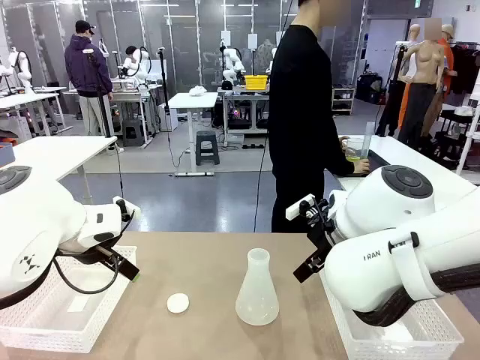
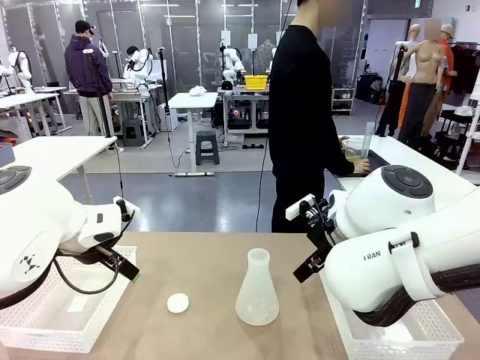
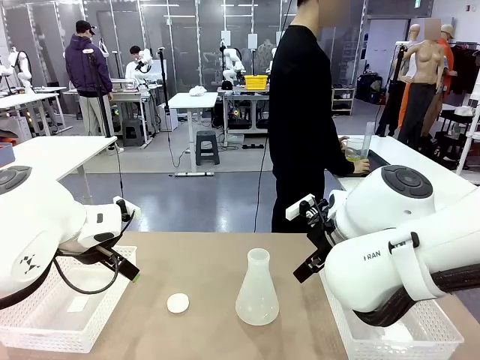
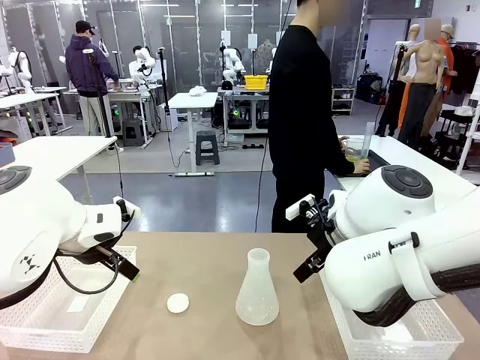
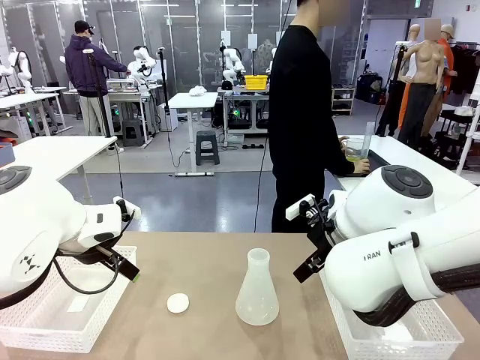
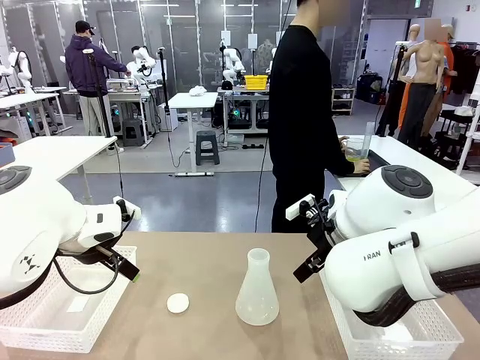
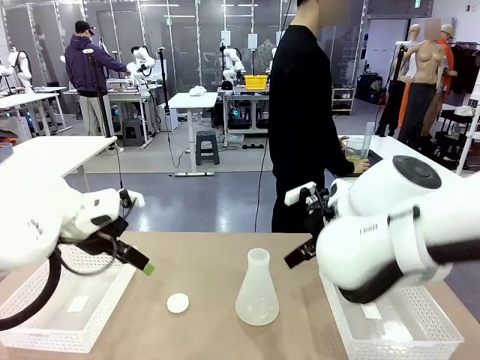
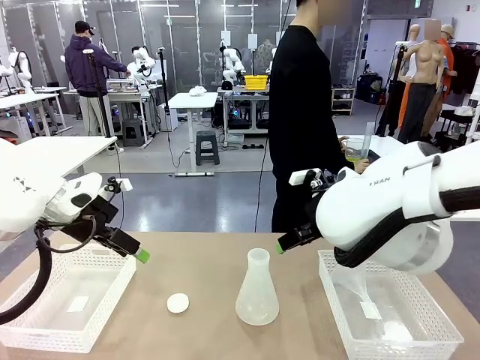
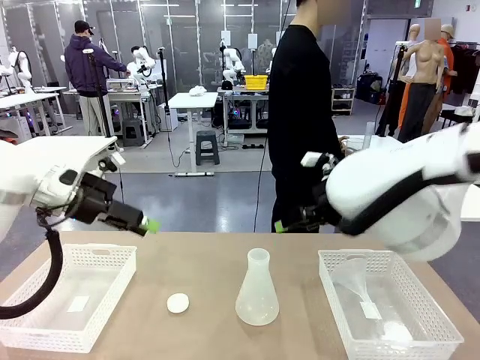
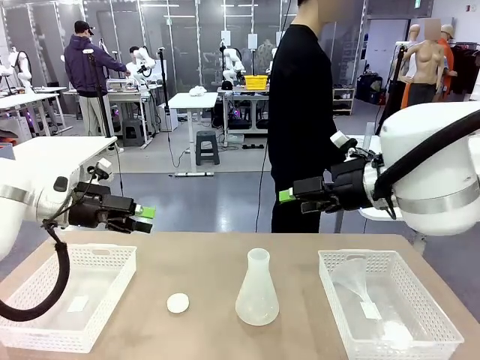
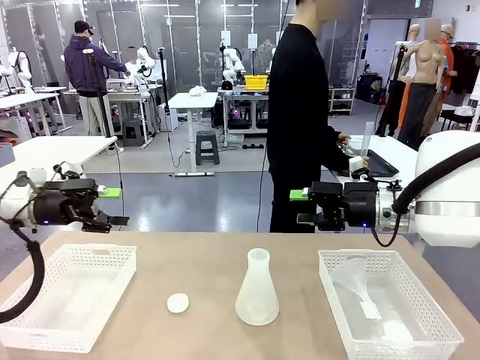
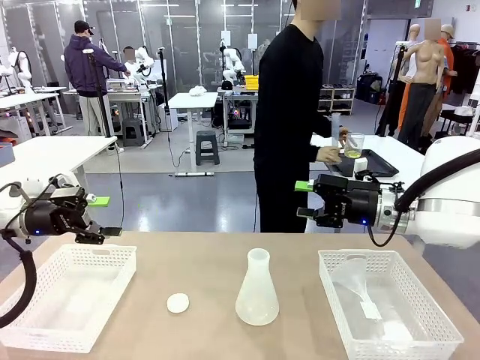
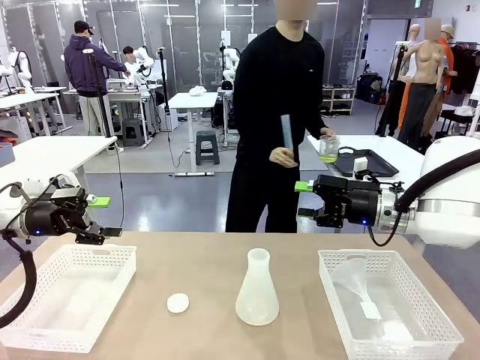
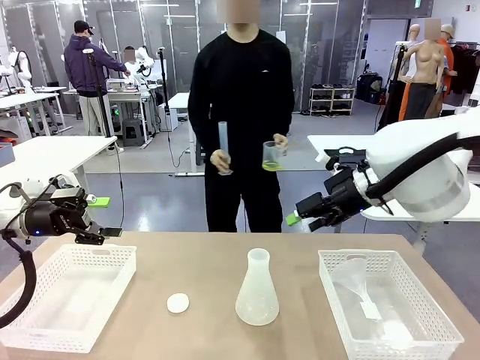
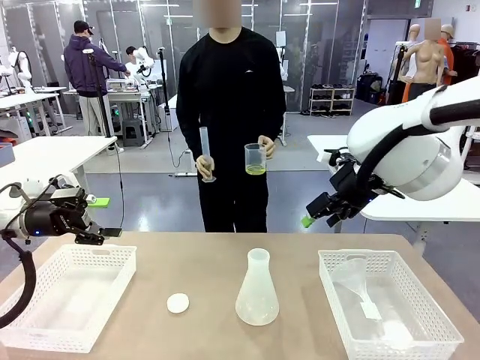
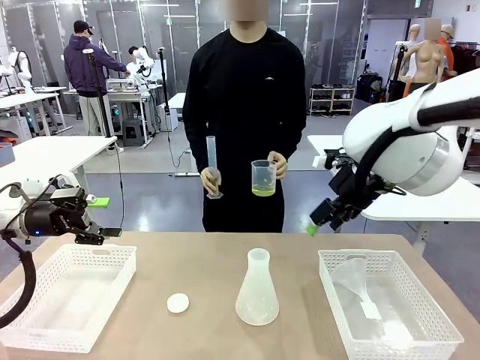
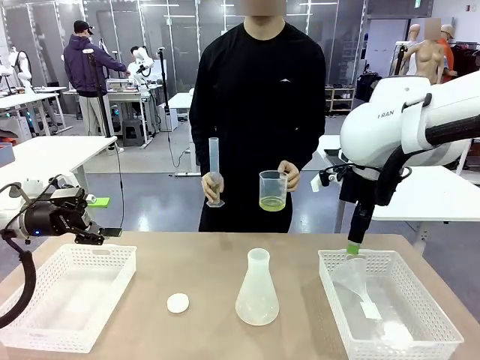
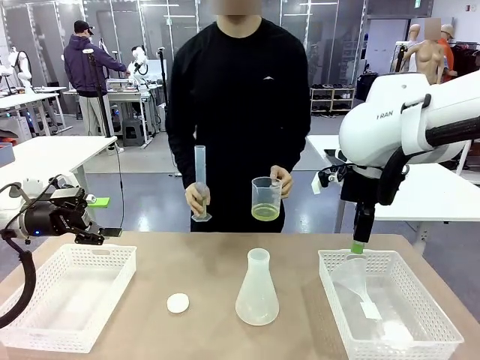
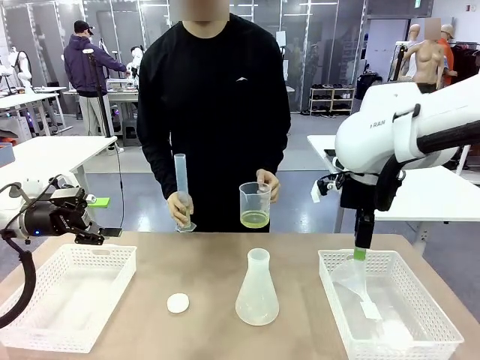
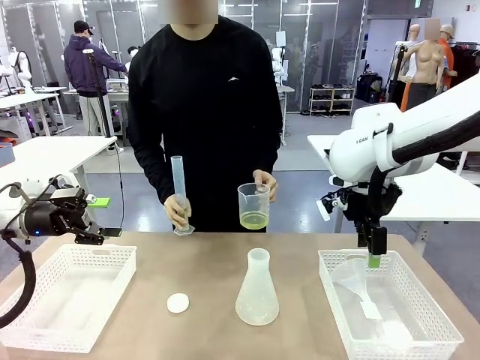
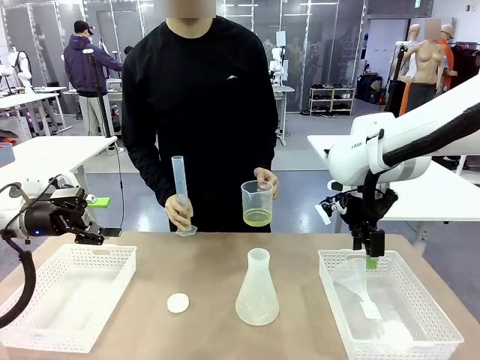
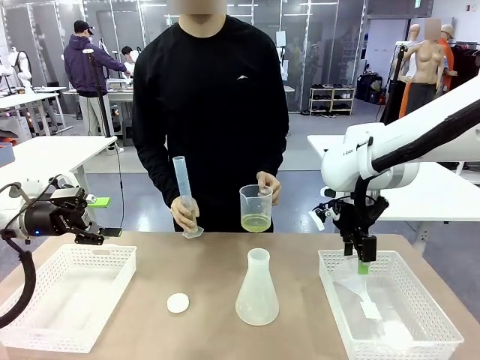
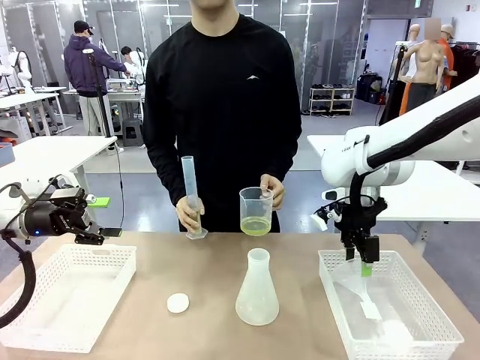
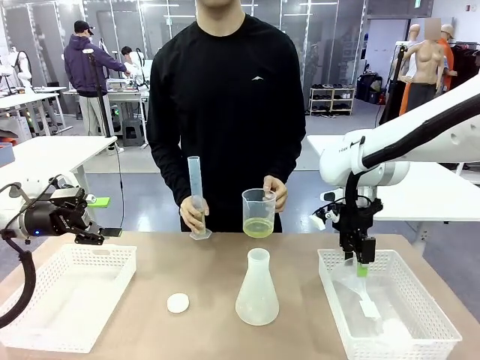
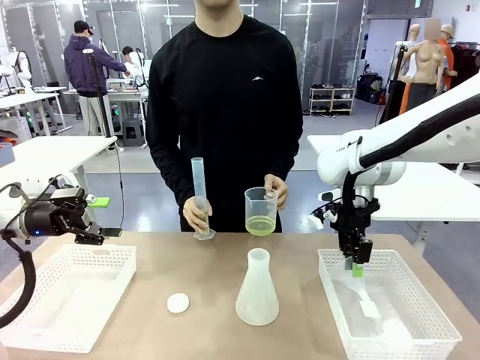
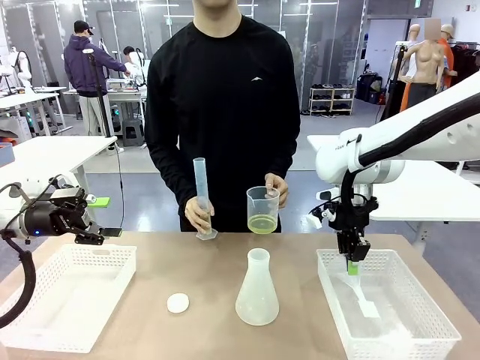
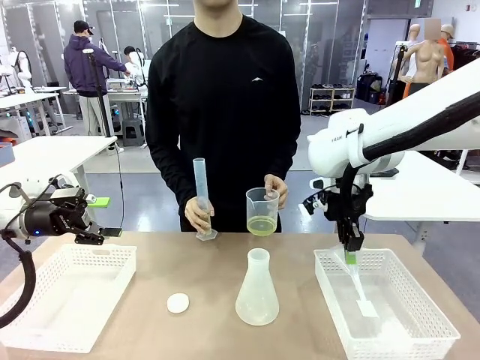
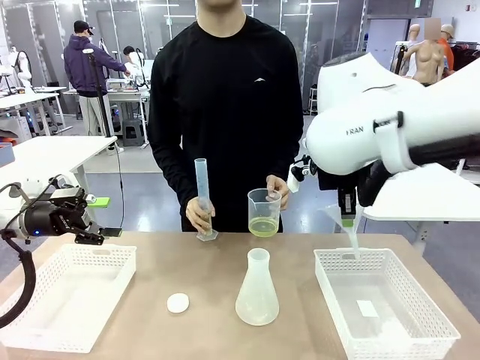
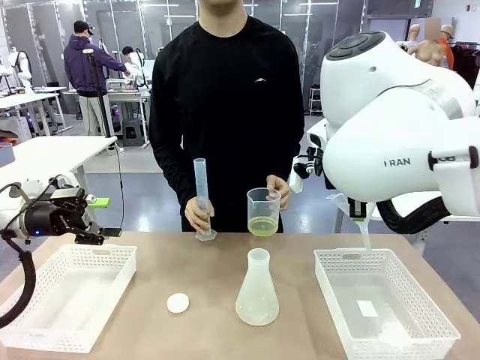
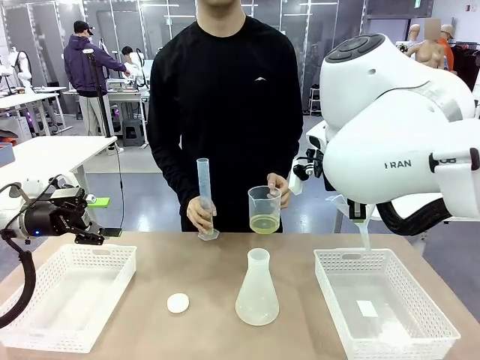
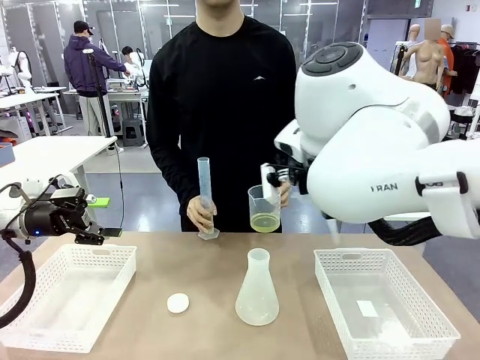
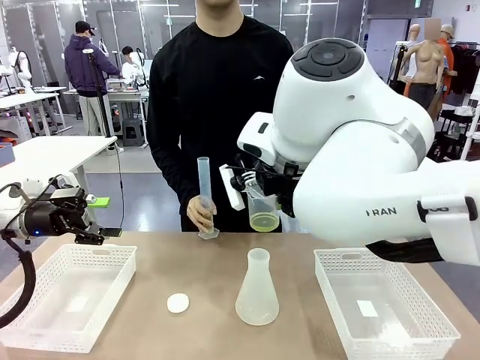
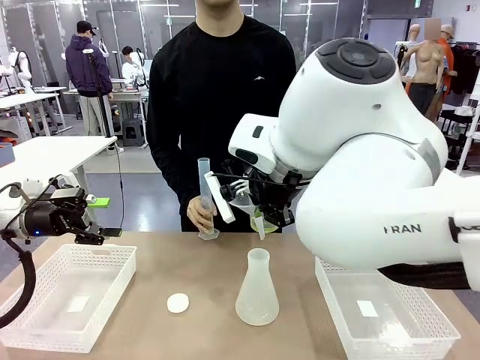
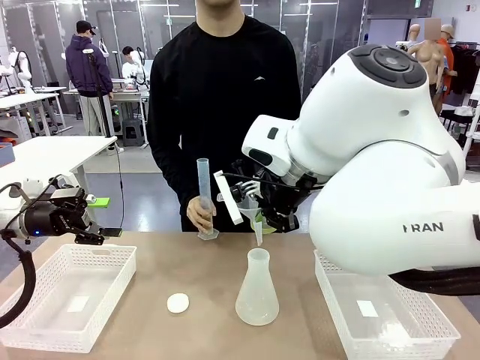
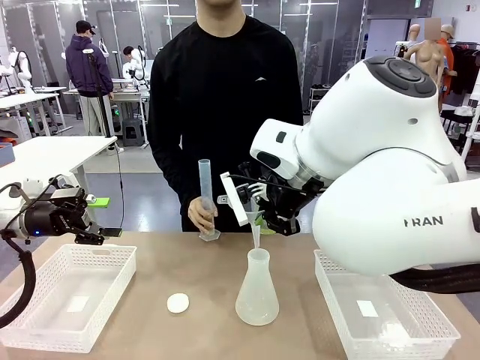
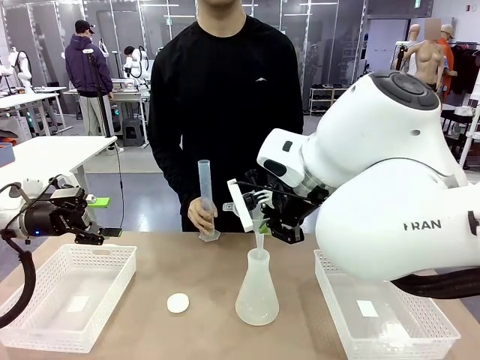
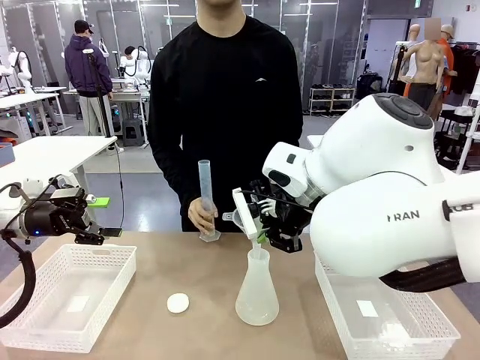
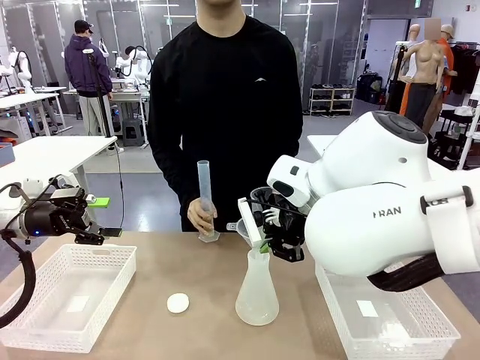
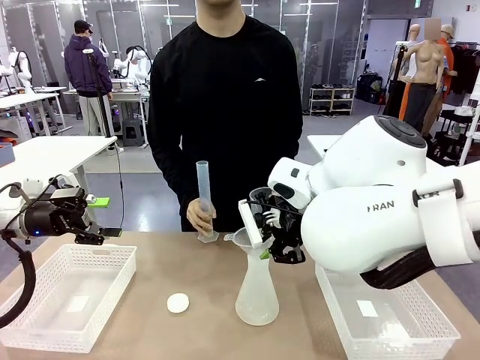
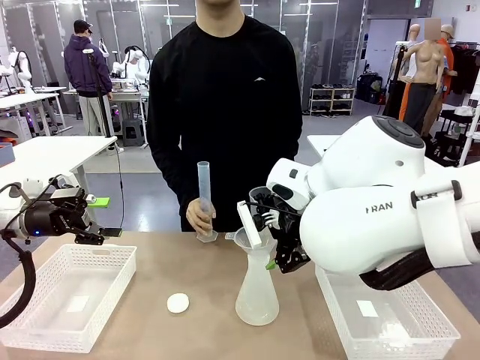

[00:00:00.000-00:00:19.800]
Task: Prepare the solutions needed for the experiment.
Robot: Pick up the Plastic Funnel and insert it into the Big flask.
Person: Pick up the beaker and the cylinder and move to the middle of the robot table. Pour the solution from the beaker and the cylinder into the flask.
